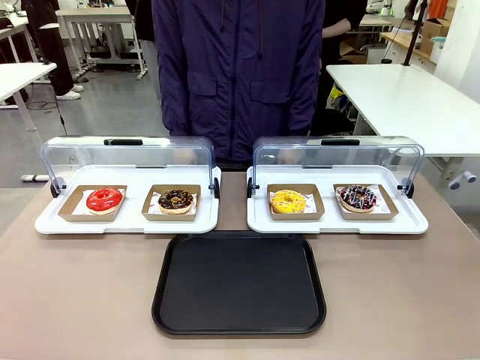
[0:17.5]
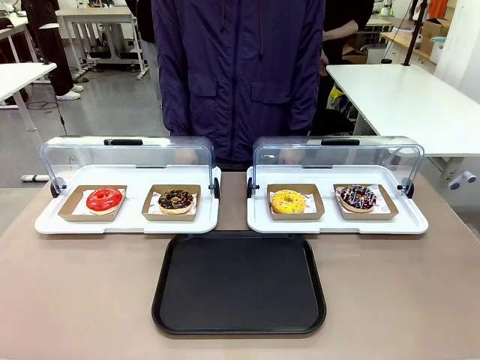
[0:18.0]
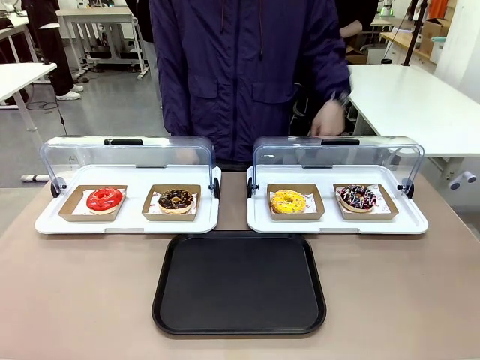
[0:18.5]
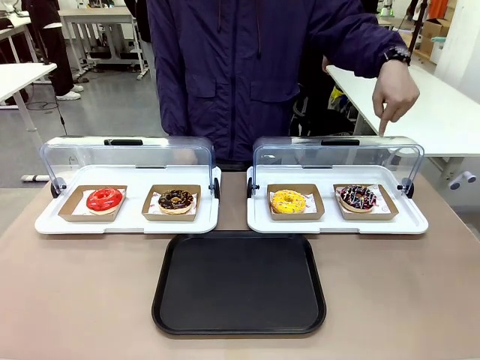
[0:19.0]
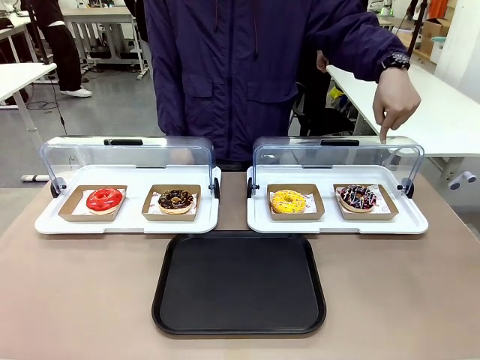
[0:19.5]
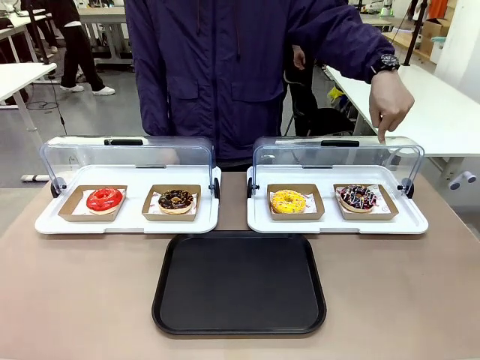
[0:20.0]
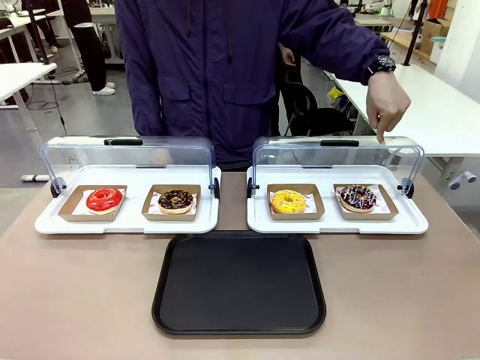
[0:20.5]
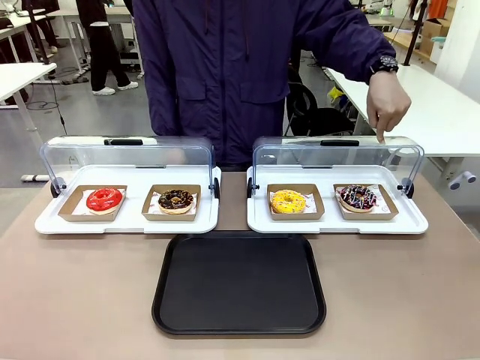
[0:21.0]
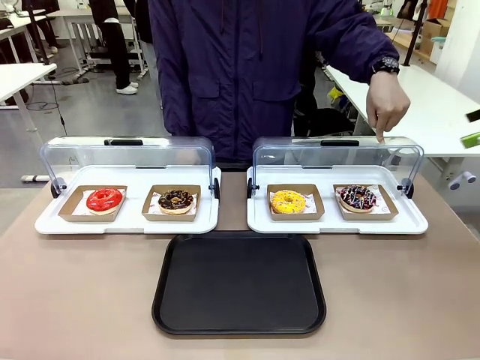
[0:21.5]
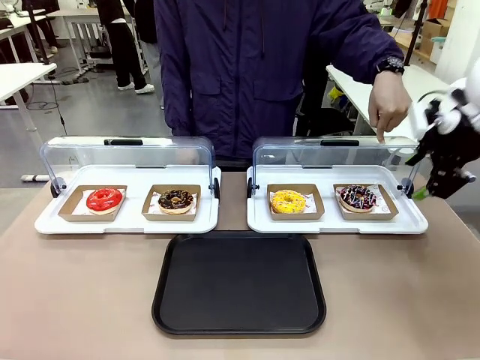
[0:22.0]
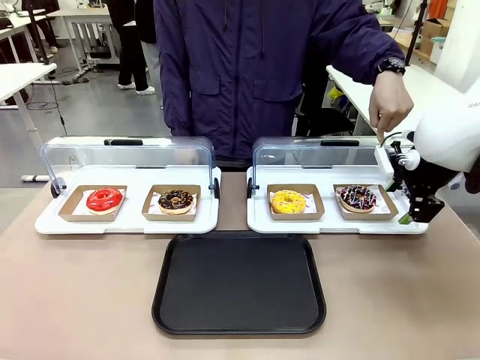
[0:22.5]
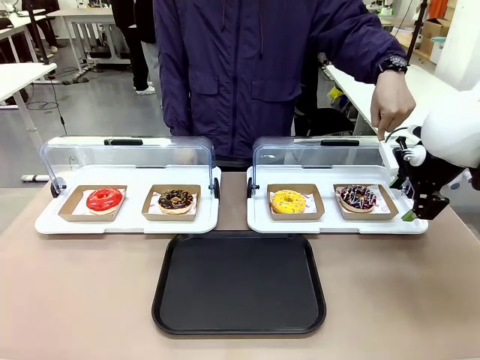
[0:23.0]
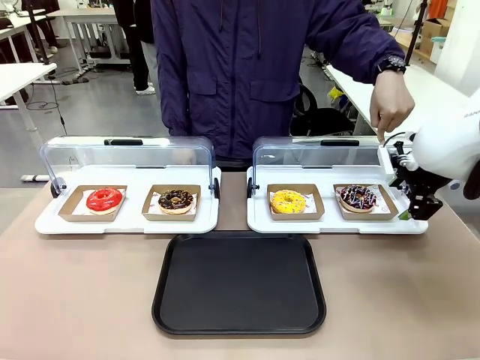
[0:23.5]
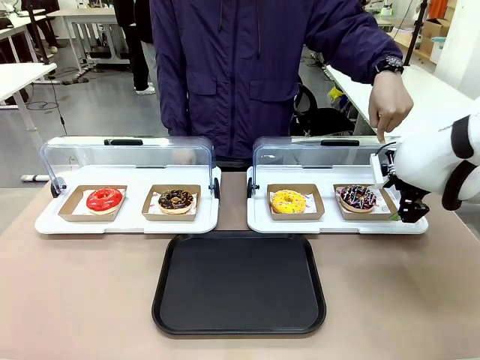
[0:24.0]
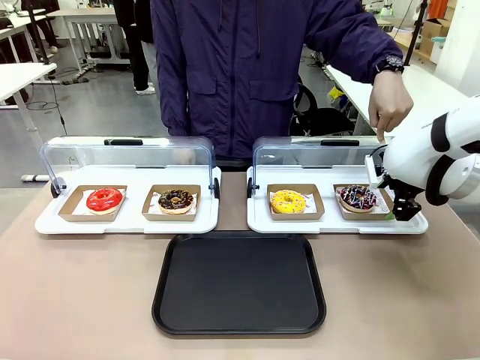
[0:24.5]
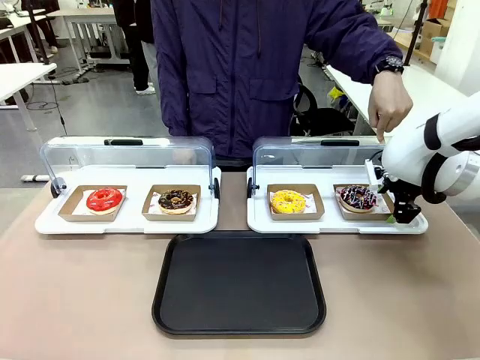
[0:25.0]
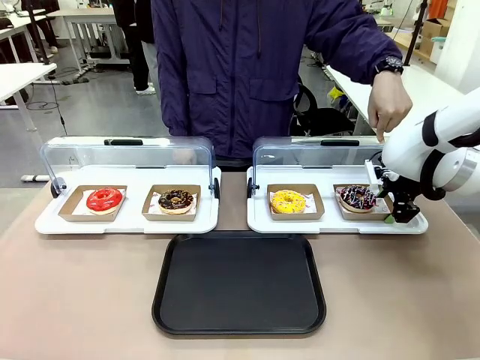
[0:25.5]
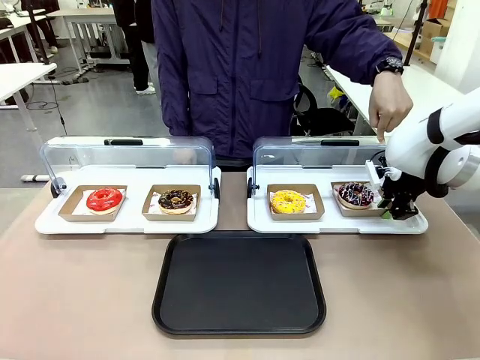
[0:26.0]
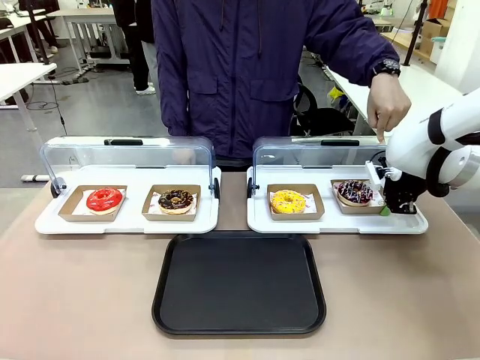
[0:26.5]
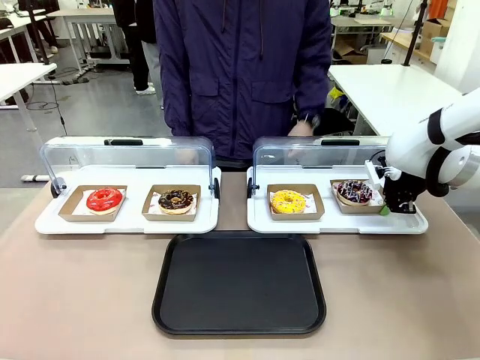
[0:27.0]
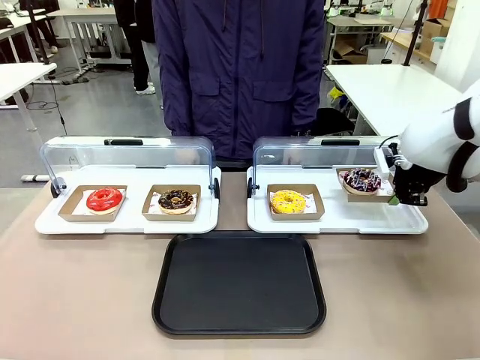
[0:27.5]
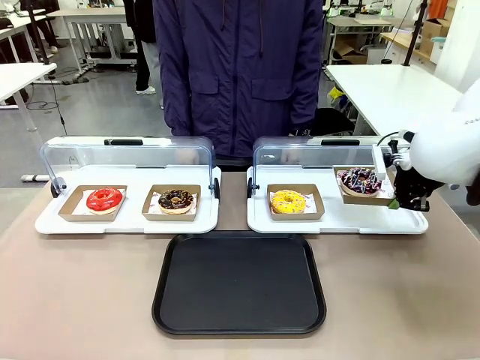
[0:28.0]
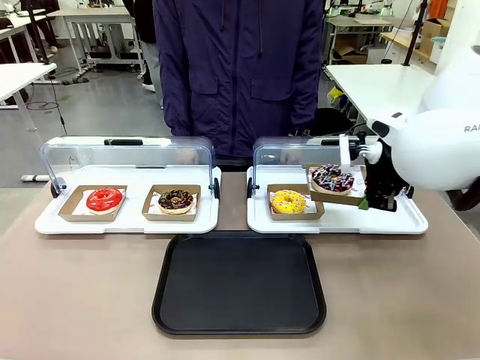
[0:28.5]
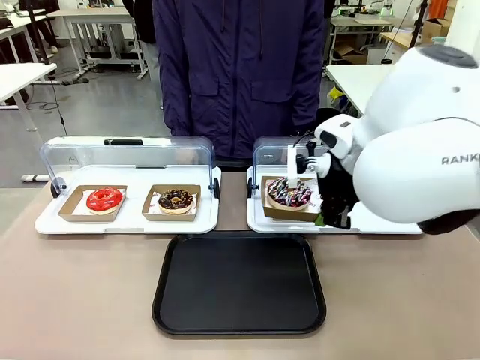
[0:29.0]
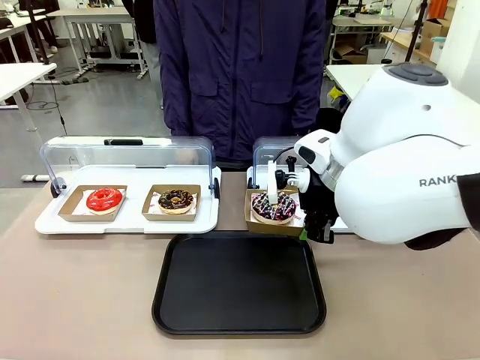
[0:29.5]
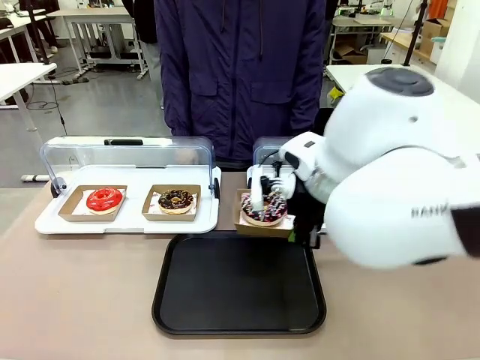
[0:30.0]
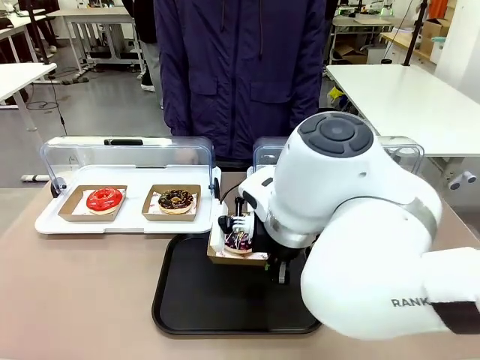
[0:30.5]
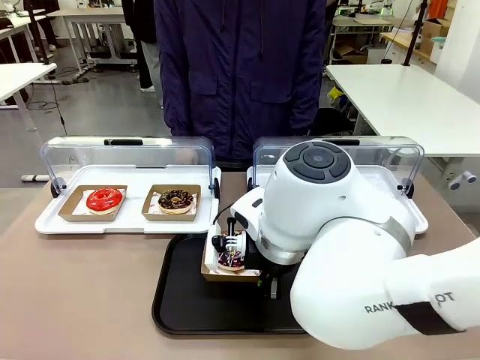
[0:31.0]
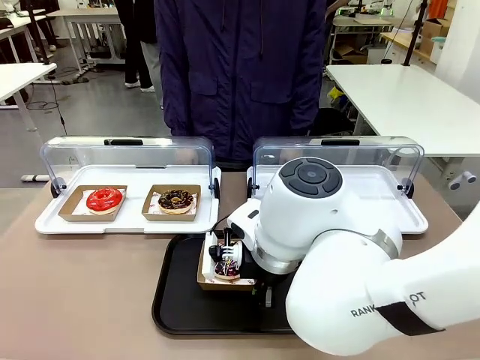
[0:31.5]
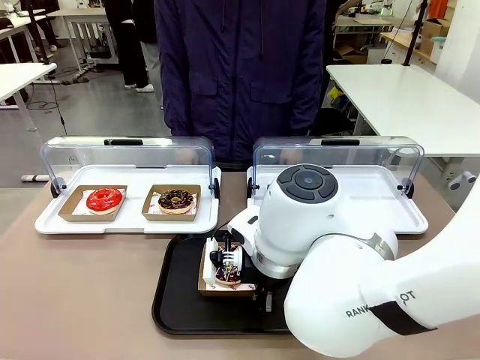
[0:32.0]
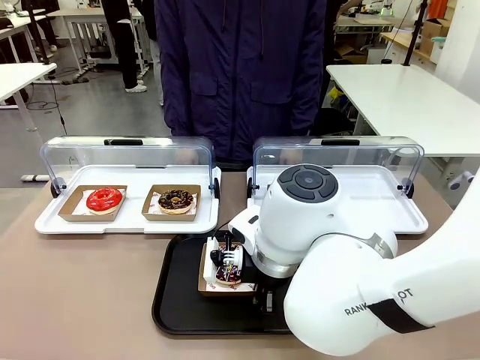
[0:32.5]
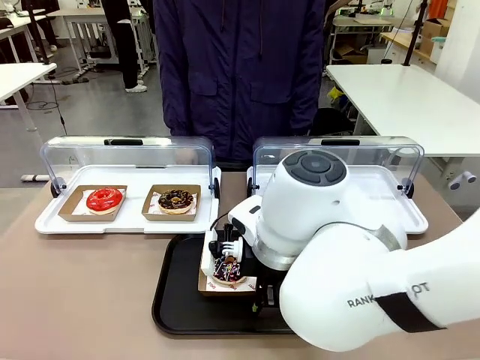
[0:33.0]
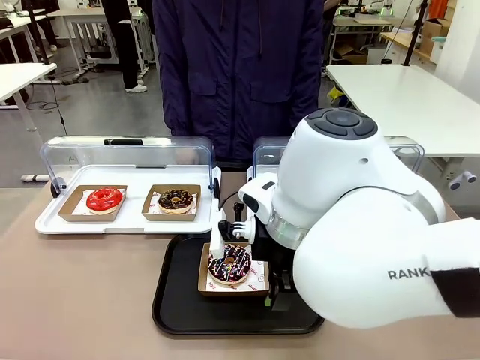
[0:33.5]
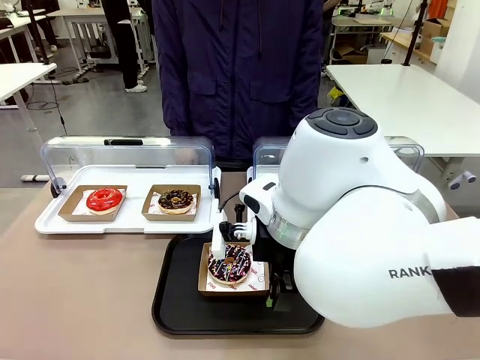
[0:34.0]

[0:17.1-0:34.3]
Task: Move the fourth donut from the left to the tray.
Robot: Pick up the Paper togo box containing the Donut indicated by the person and place it on the Handle tray.
Person: Points to the fourth donut from the left from the robot’s perspective.
